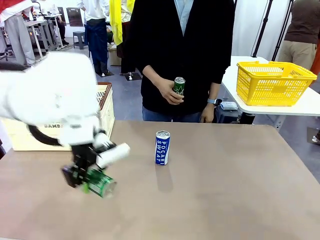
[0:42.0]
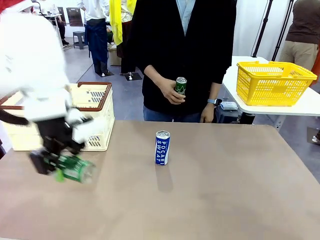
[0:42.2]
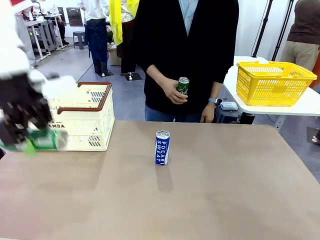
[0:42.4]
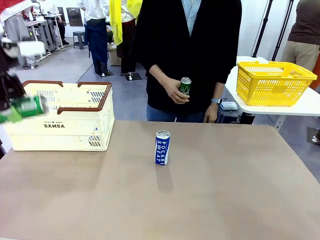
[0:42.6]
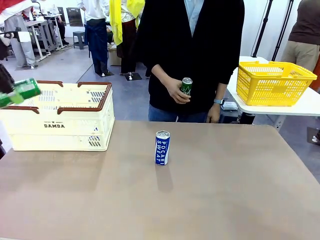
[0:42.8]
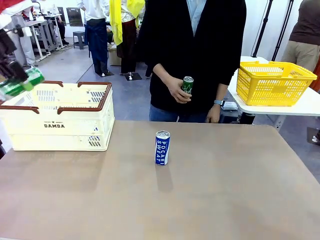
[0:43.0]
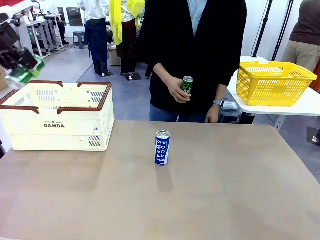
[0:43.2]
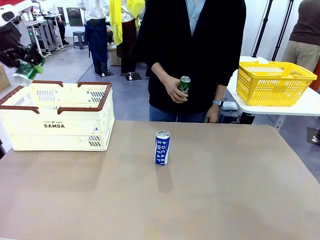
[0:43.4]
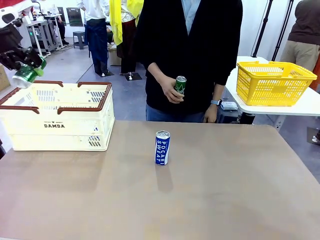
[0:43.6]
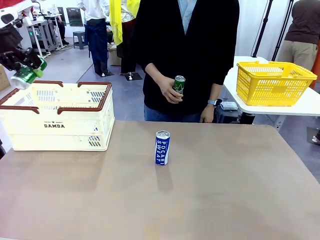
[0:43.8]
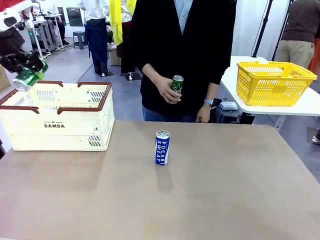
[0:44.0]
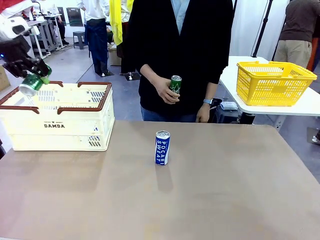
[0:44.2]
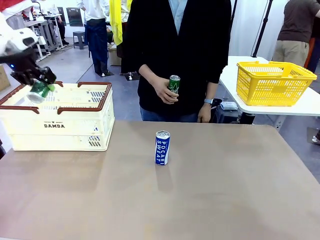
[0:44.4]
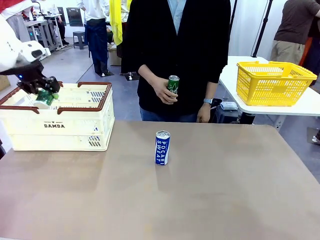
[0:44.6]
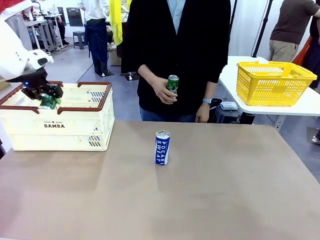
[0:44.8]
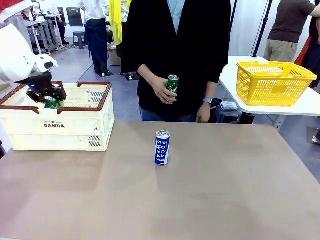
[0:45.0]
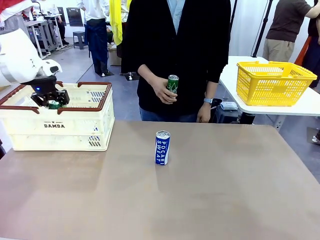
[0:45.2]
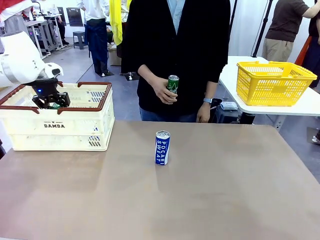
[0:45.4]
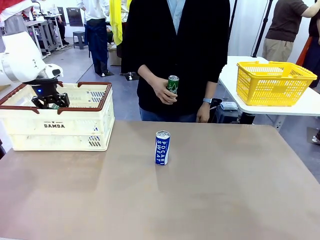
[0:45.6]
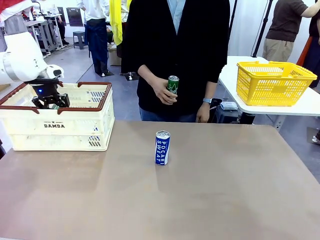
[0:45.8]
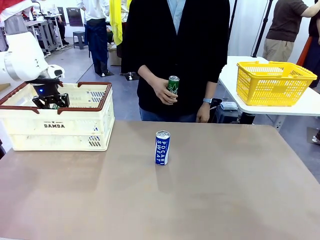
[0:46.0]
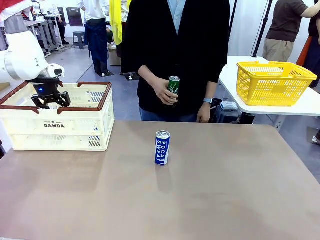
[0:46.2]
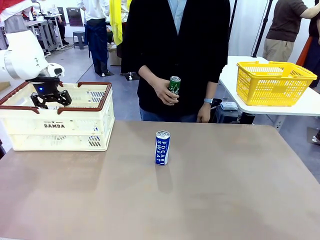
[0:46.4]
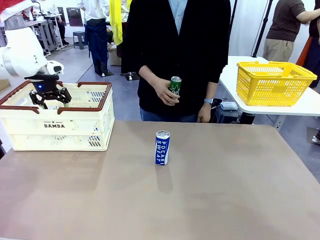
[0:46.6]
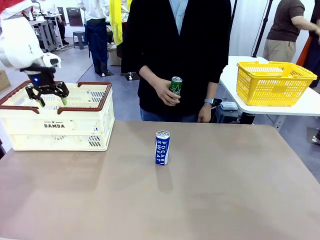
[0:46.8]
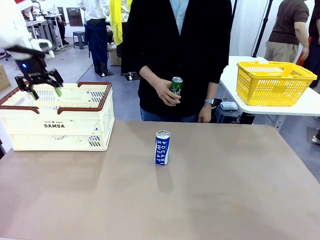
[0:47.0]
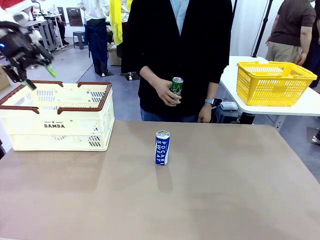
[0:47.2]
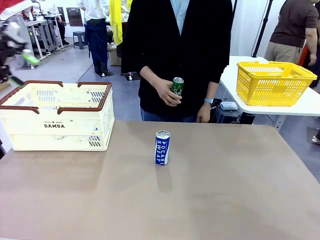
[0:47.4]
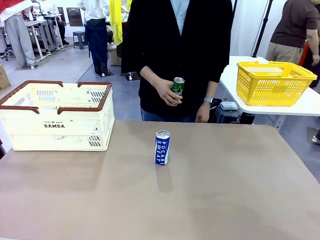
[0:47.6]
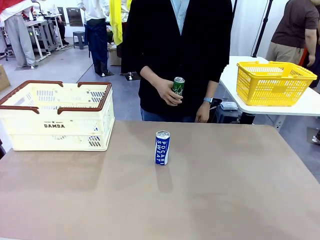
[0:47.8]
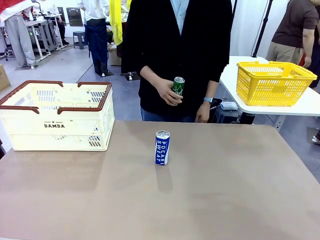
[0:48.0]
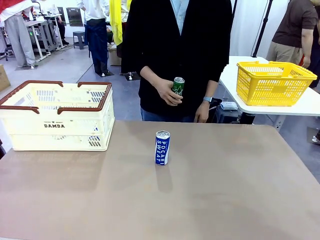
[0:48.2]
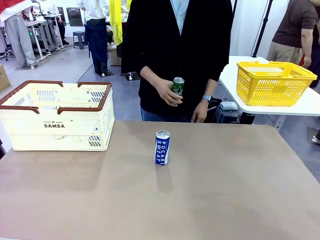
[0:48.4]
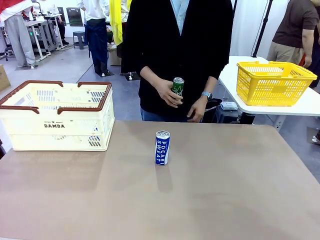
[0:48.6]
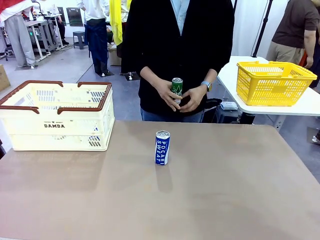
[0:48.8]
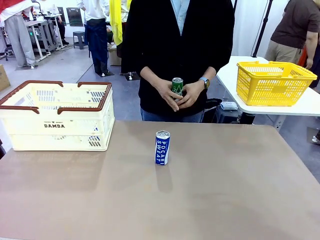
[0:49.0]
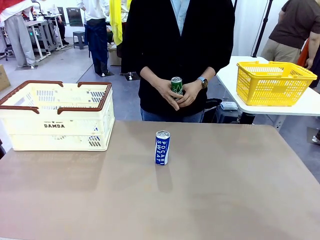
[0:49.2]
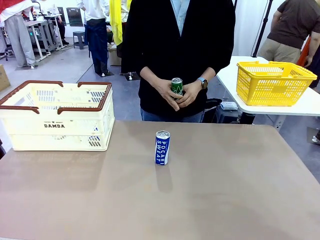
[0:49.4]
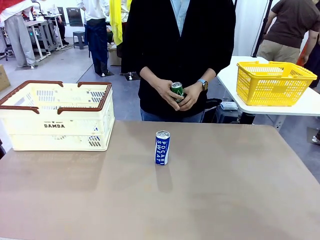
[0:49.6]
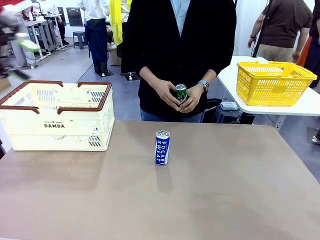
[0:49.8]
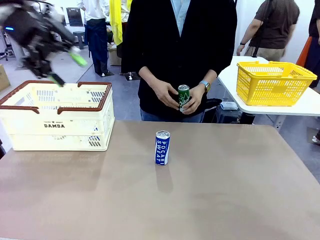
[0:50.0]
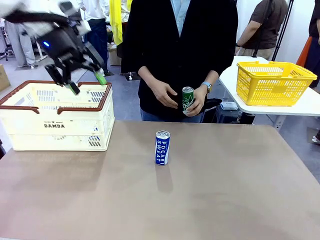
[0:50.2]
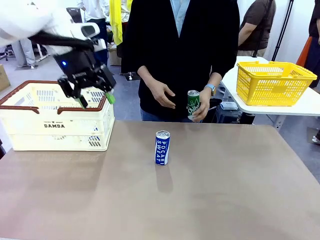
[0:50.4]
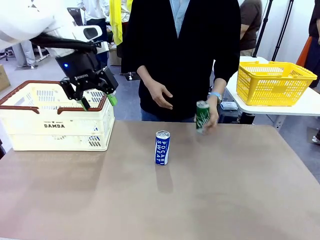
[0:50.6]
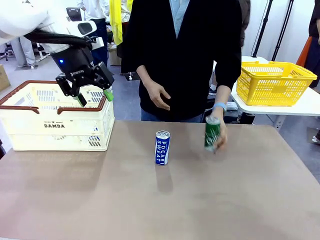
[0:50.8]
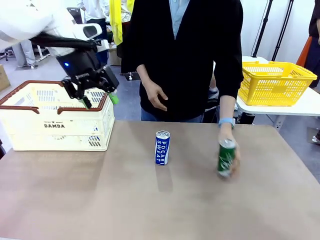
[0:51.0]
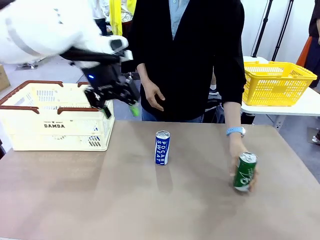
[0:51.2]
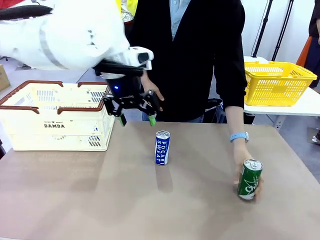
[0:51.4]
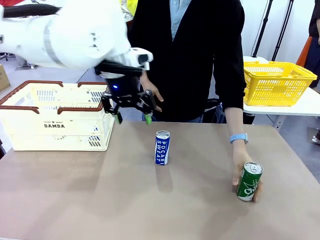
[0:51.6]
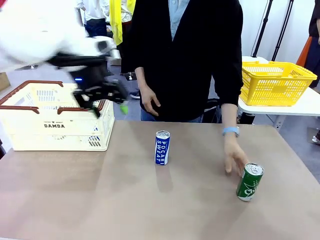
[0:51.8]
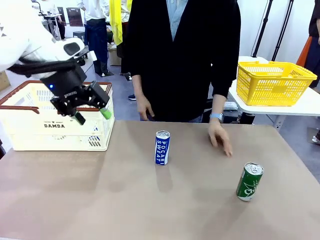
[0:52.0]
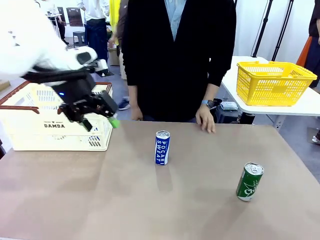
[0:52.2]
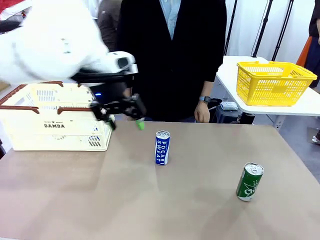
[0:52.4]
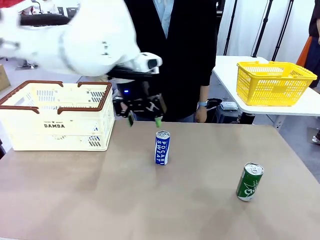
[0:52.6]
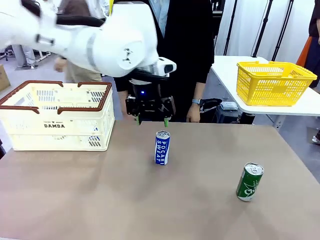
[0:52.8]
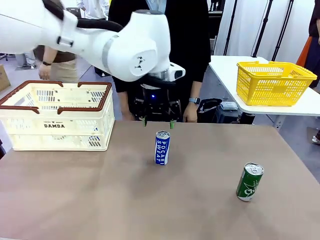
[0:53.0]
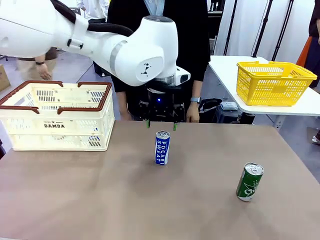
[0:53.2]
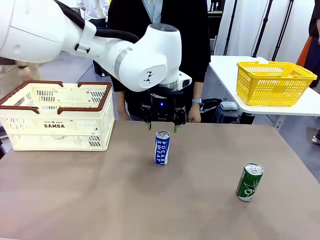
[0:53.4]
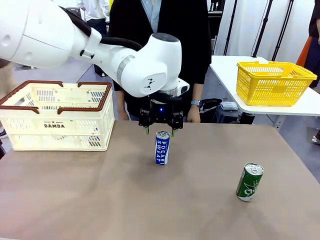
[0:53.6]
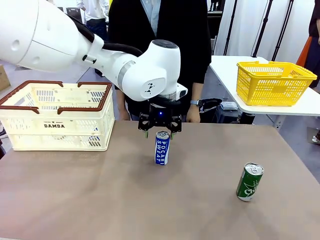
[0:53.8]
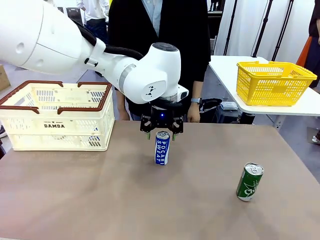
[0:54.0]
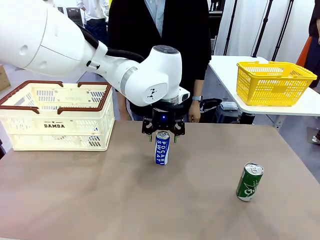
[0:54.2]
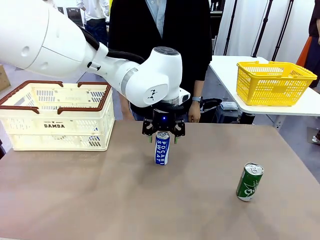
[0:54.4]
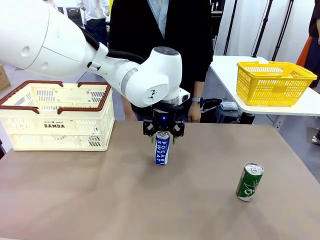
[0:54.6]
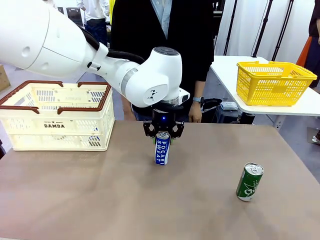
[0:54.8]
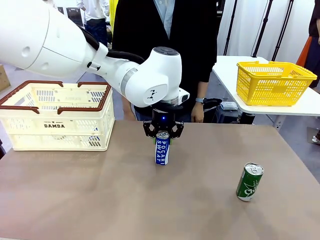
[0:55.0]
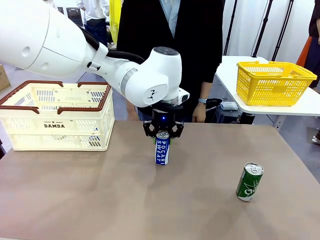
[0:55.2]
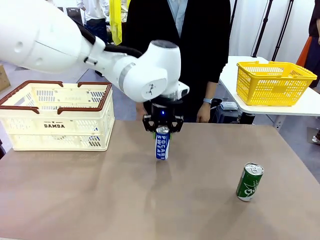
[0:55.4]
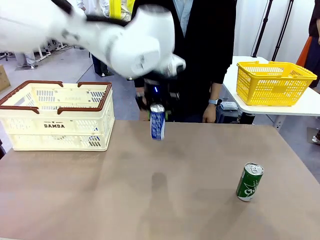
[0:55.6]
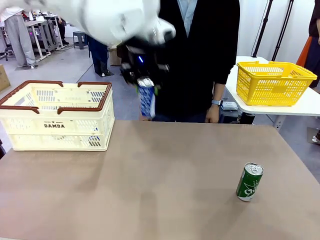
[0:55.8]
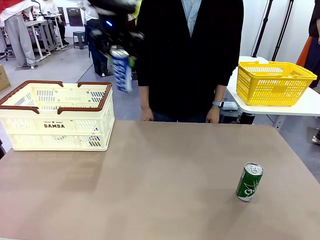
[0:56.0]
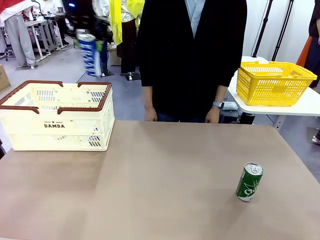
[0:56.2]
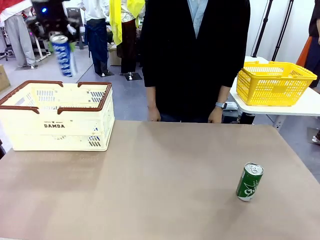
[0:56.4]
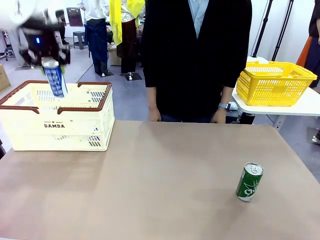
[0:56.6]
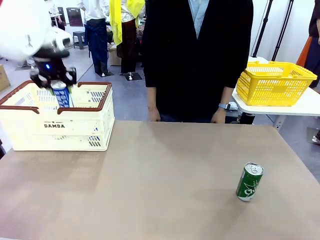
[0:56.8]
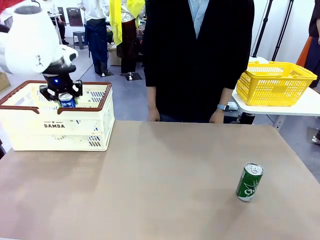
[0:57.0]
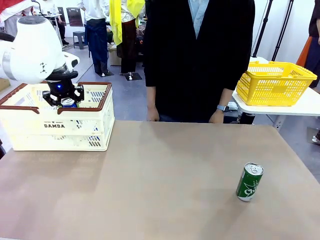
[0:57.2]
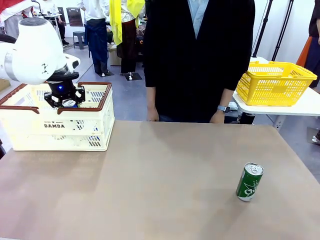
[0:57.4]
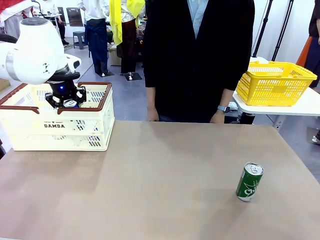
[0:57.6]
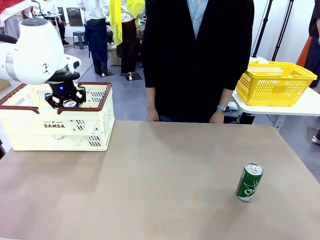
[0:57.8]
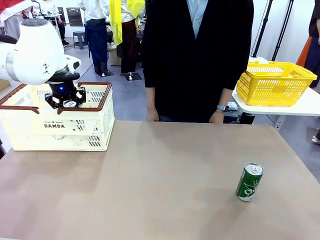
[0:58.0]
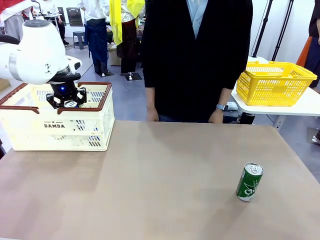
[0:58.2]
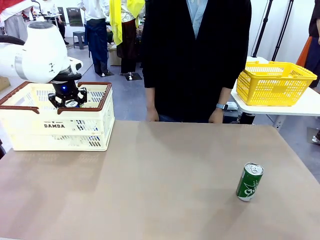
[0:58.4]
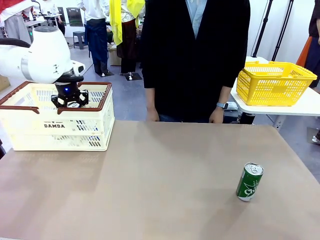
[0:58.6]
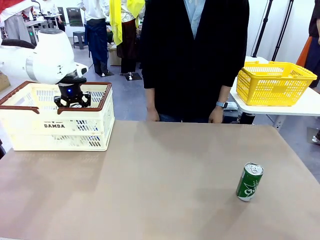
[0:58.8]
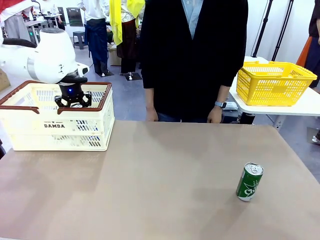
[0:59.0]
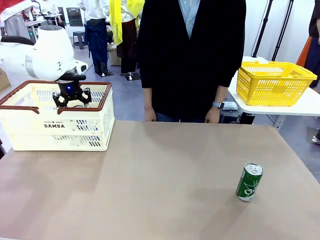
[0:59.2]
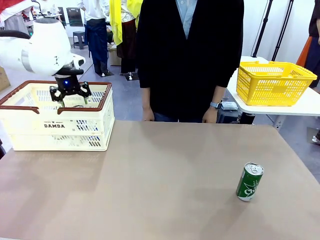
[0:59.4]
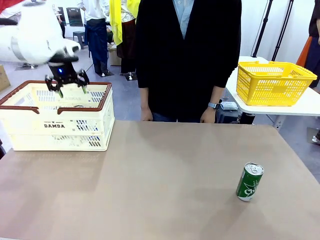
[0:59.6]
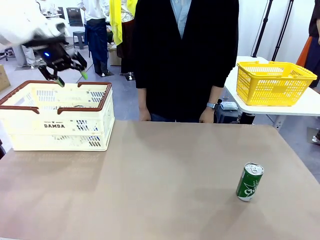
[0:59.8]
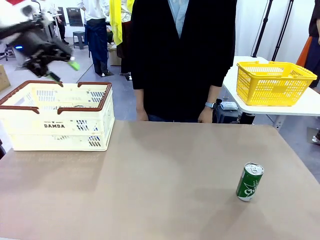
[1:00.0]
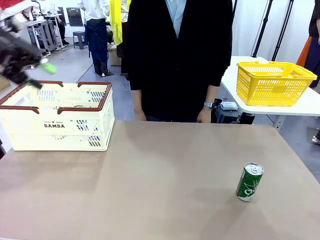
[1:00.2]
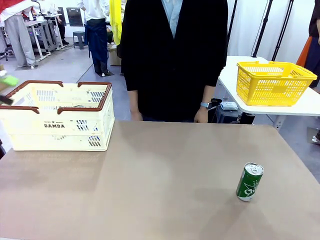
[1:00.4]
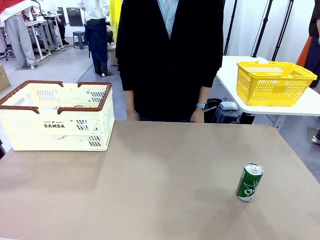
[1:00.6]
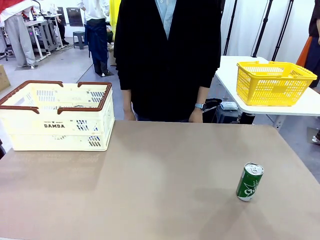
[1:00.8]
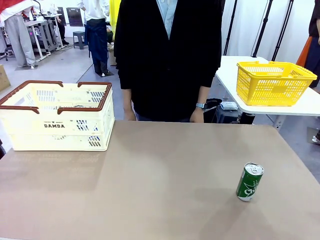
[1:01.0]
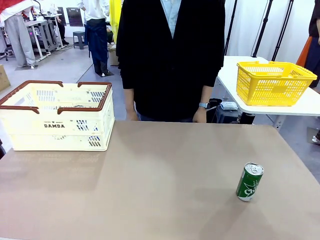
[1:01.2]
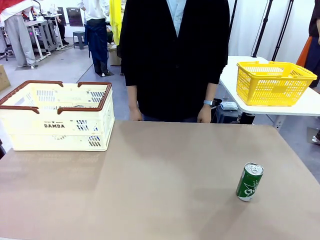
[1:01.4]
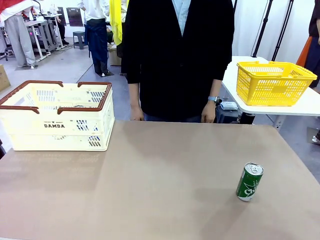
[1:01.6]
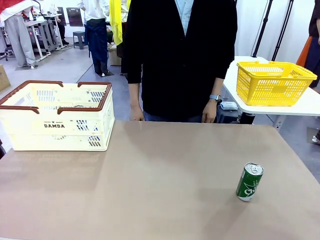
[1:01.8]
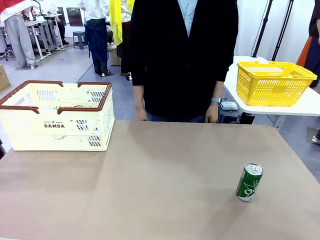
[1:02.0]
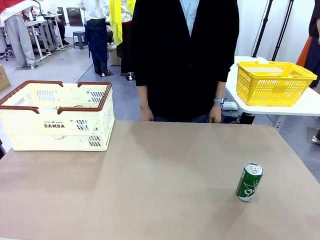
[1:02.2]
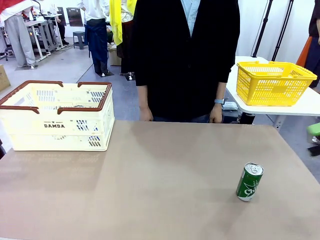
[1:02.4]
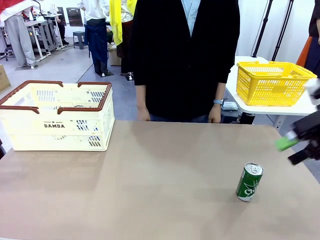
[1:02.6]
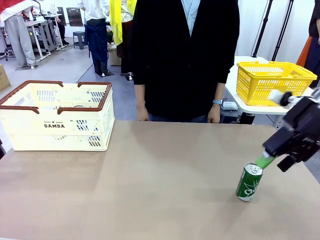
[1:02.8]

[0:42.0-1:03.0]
Task: Place the drinks into the Shopping basket.
Robot: Pick up one drink and place it into the Shopping basket.
